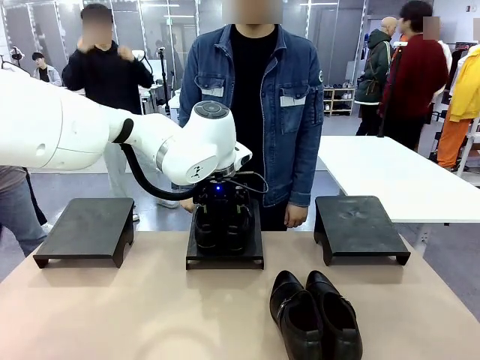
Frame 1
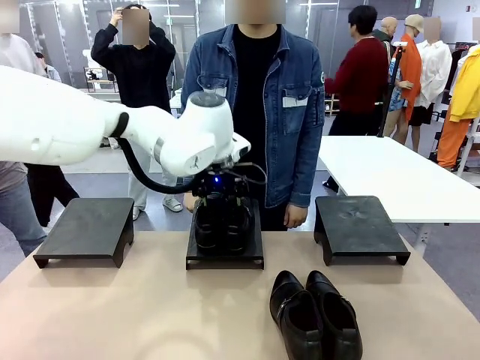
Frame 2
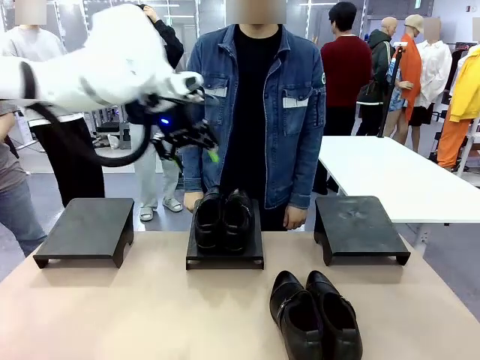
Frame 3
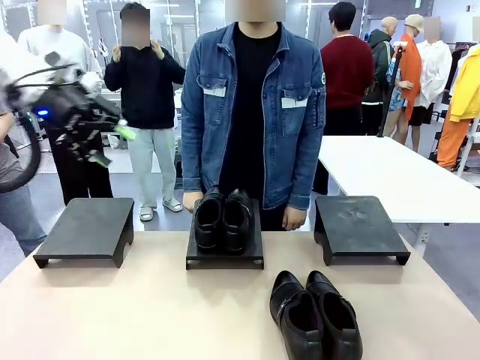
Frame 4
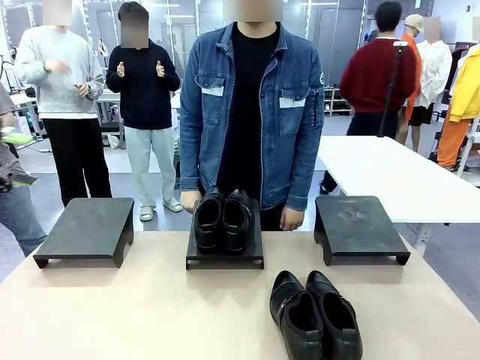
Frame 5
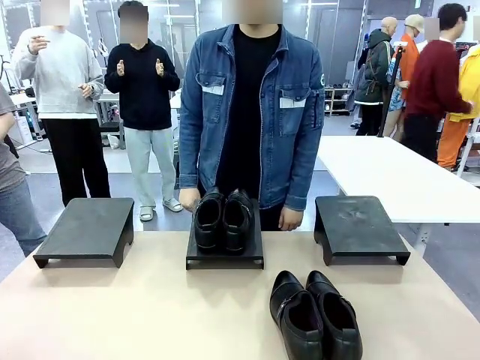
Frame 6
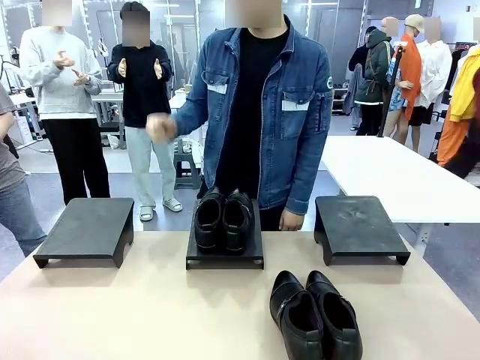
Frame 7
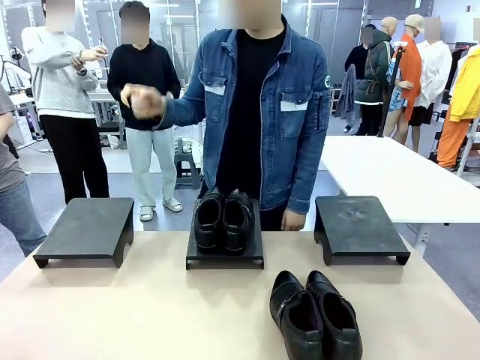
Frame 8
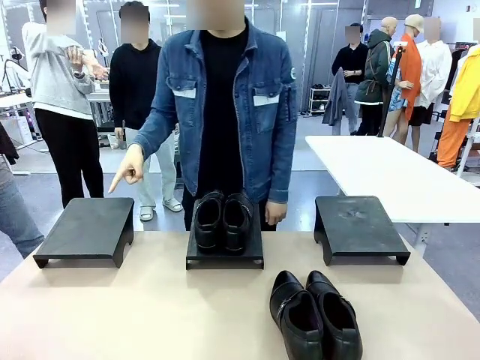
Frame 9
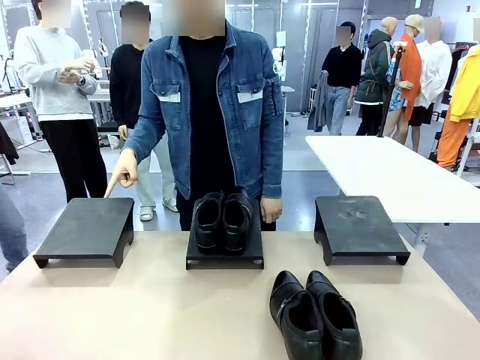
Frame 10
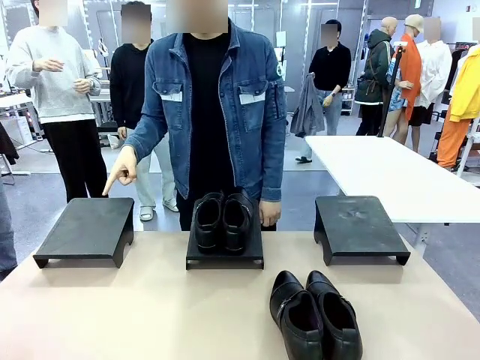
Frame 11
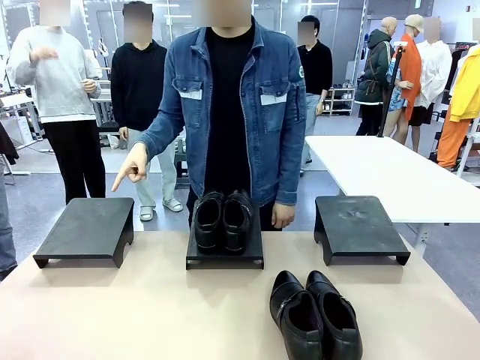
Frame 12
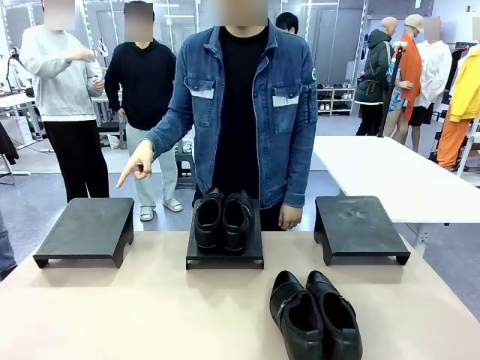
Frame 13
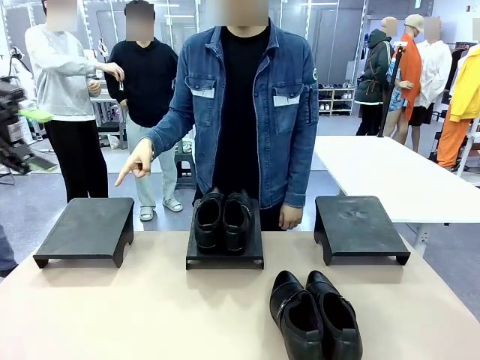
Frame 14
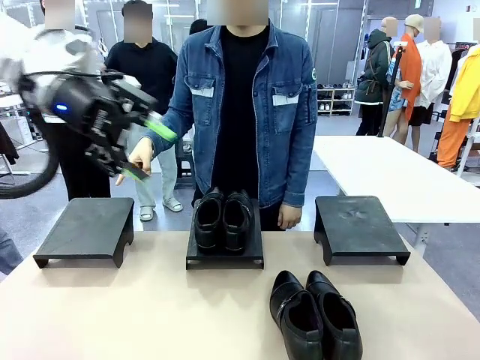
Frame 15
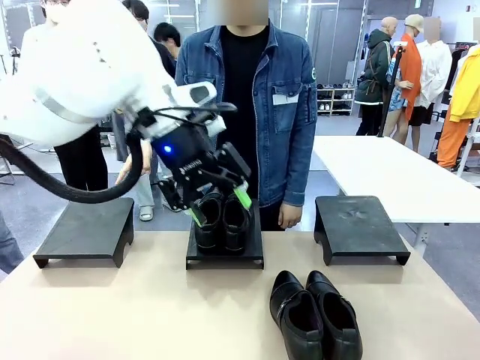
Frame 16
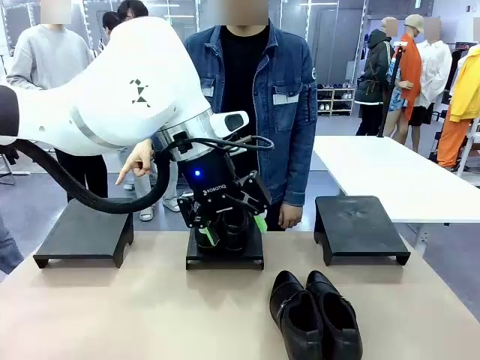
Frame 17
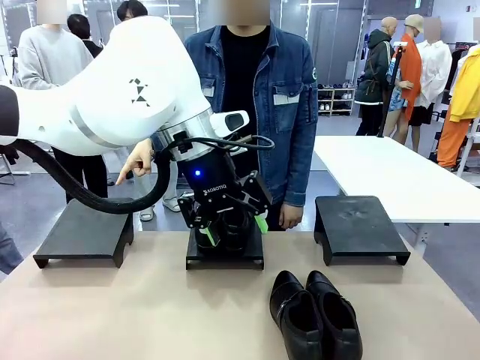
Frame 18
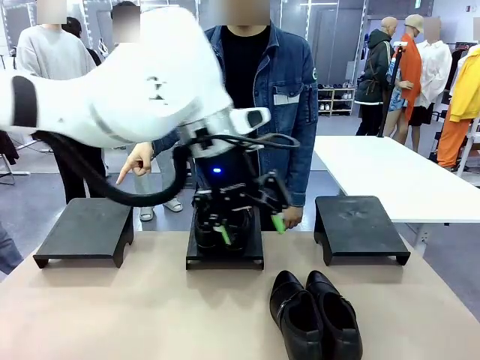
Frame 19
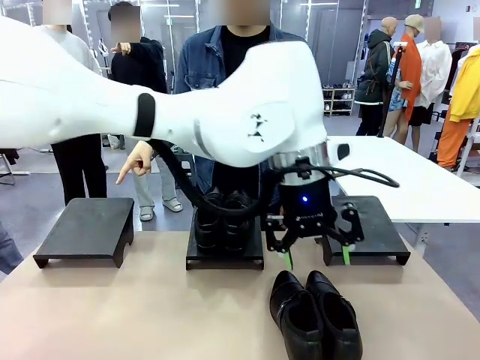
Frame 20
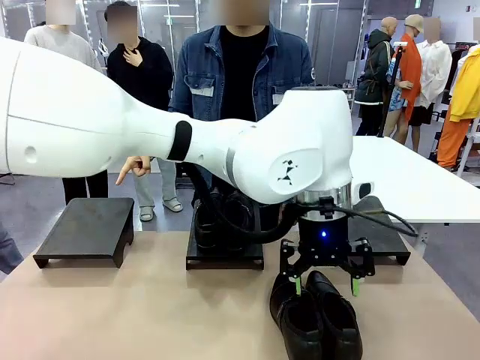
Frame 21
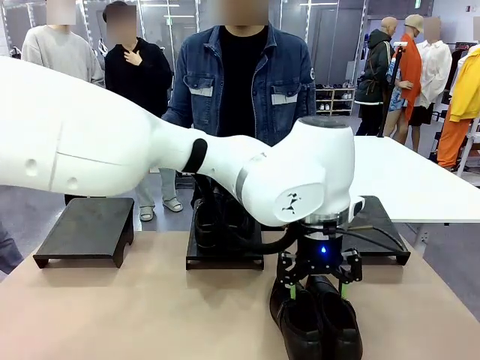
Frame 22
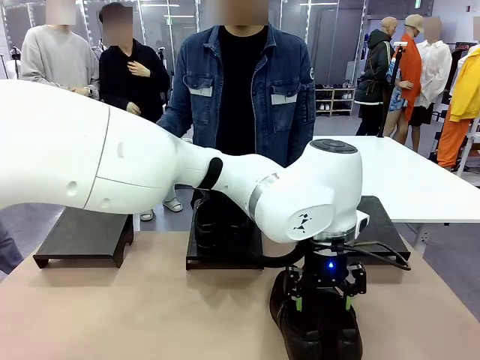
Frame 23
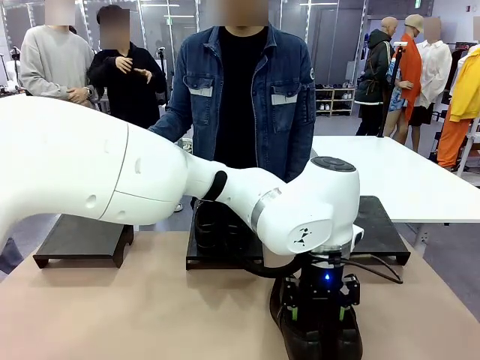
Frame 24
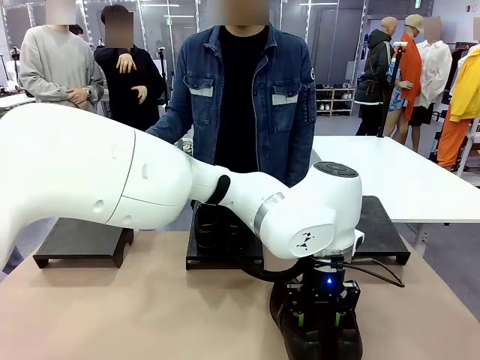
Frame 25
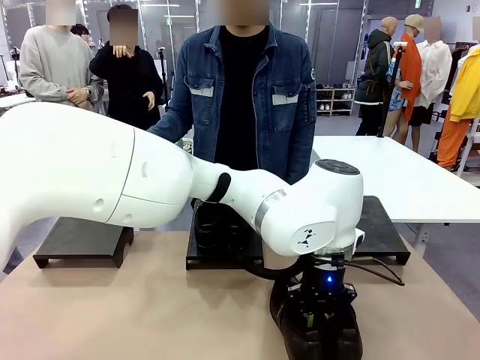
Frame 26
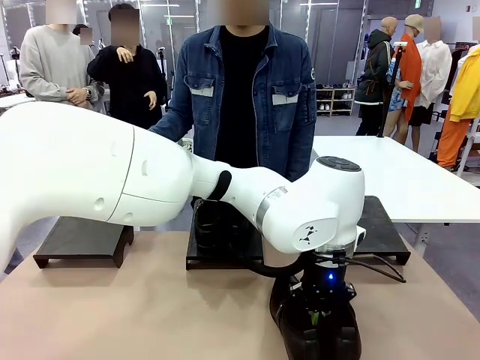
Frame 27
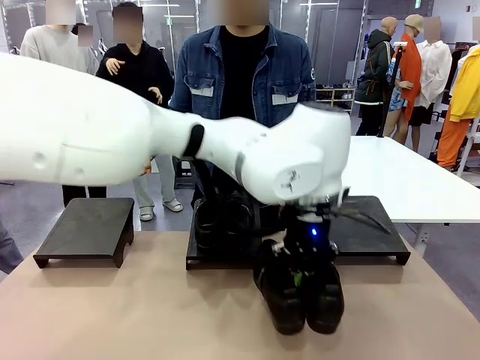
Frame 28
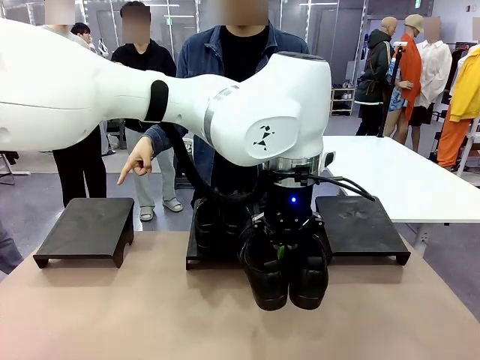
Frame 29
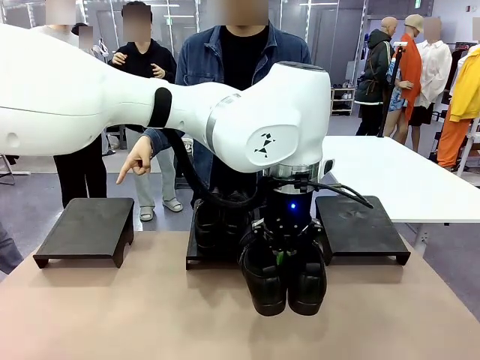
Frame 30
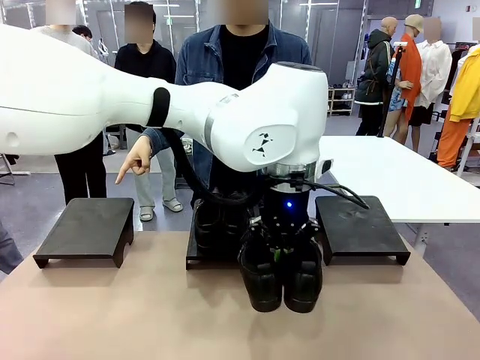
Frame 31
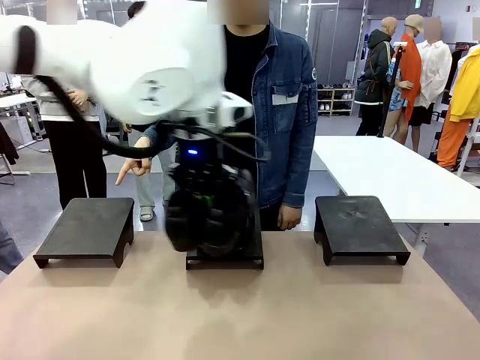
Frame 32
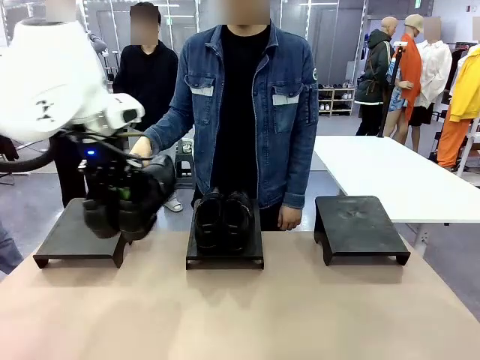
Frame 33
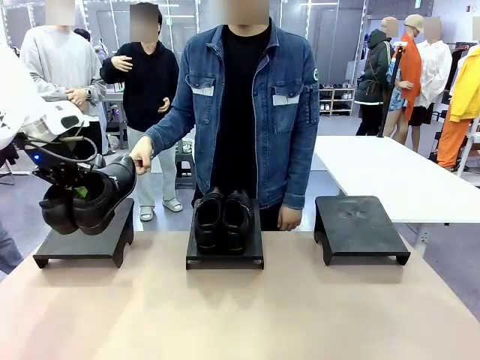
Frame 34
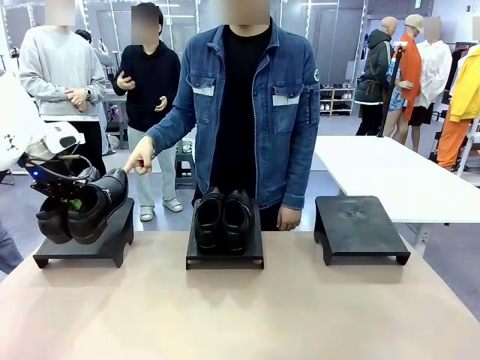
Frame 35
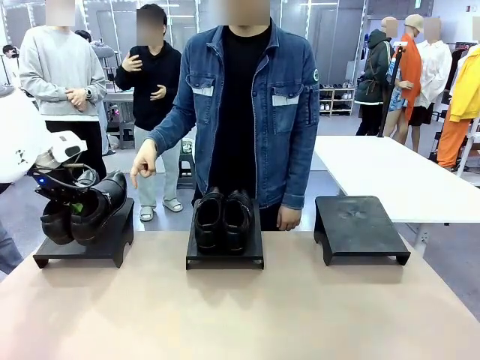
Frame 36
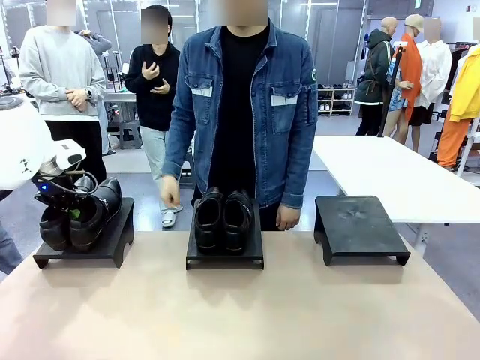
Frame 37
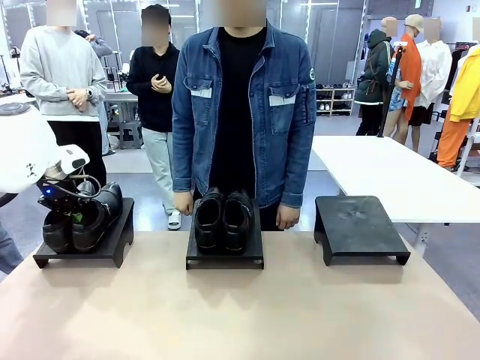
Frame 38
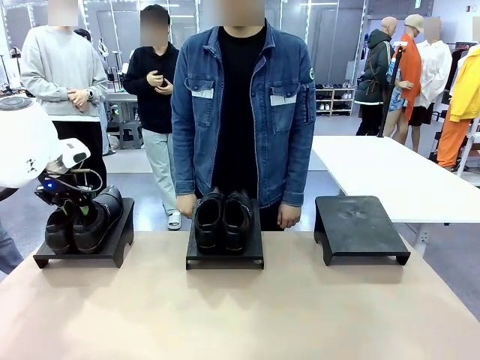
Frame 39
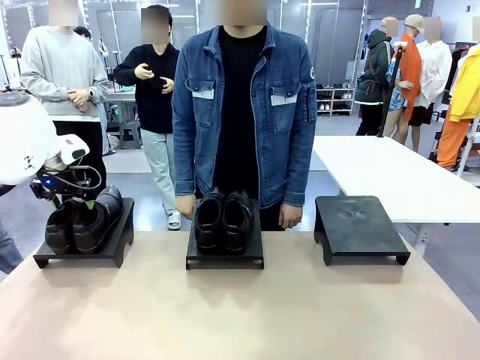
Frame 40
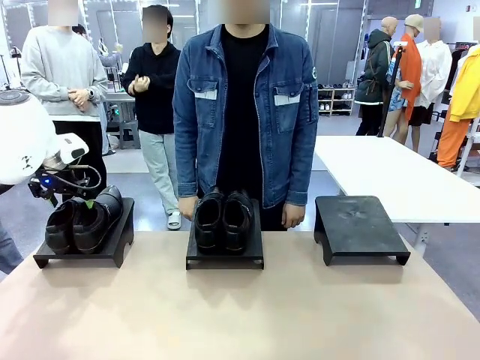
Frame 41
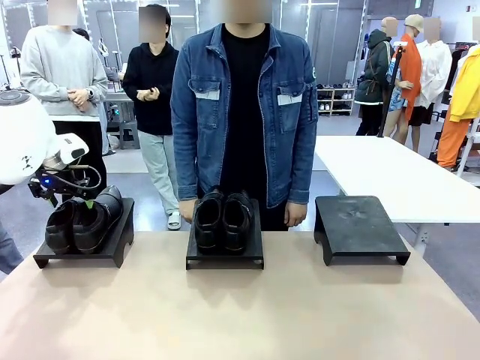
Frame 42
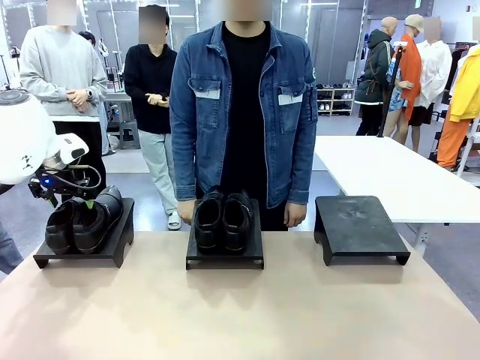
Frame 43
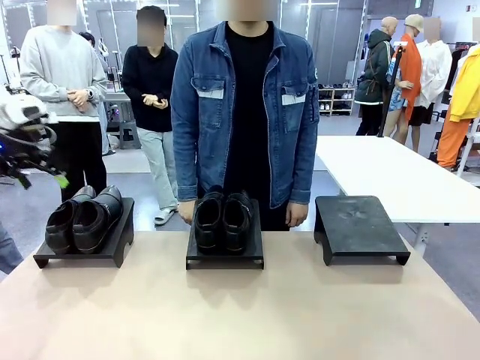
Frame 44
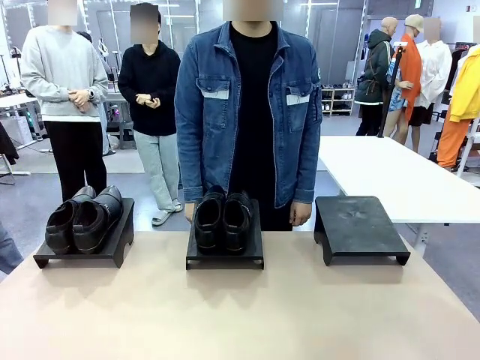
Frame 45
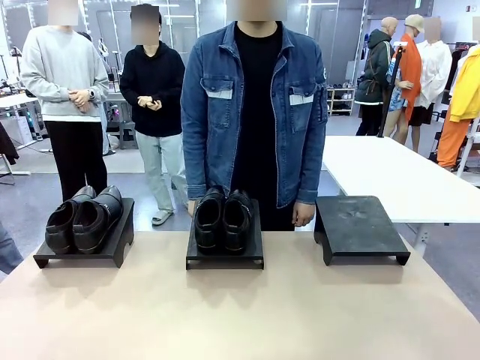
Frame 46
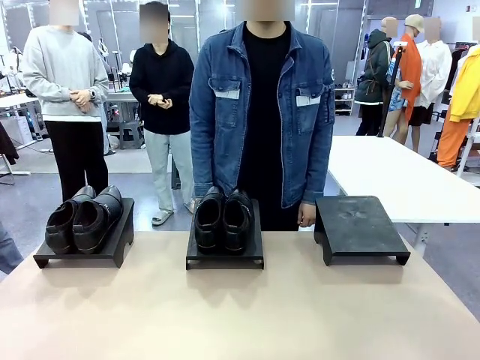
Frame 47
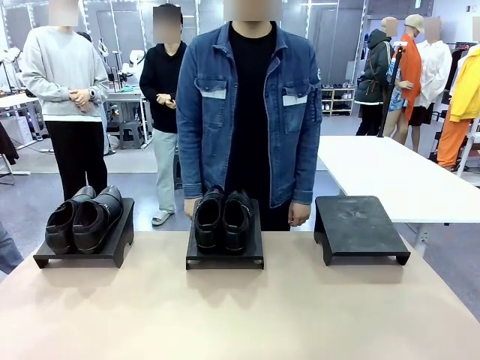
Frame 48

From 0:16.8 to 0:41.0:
Task: Place the shoes on the stand as instructed by the person.
Robot: Pick up another pair of Shoes and place it on the Shoes Stand indicated by the person.
Person: Point to one Shoes Stand.

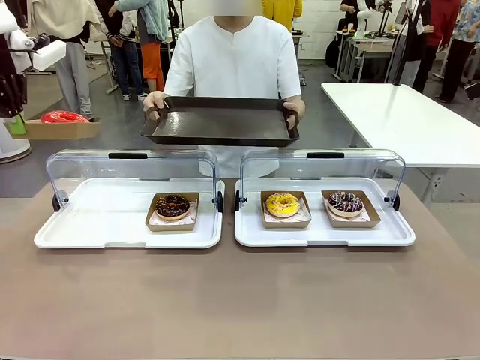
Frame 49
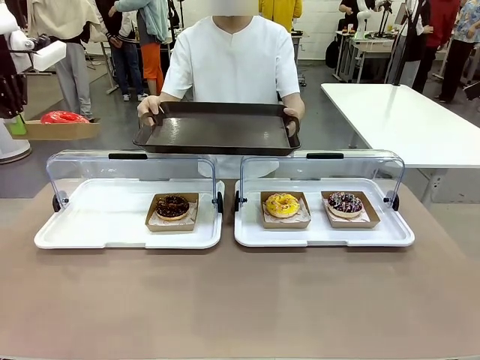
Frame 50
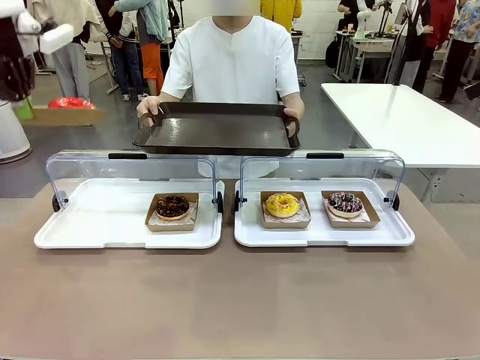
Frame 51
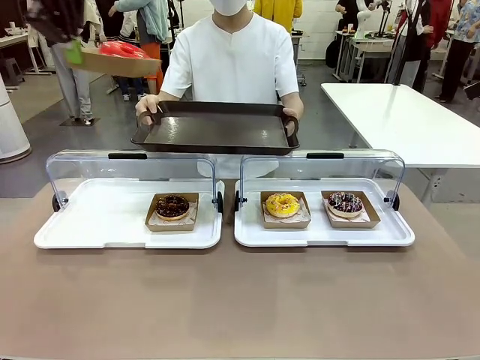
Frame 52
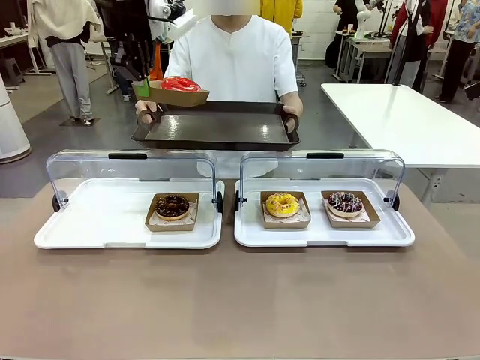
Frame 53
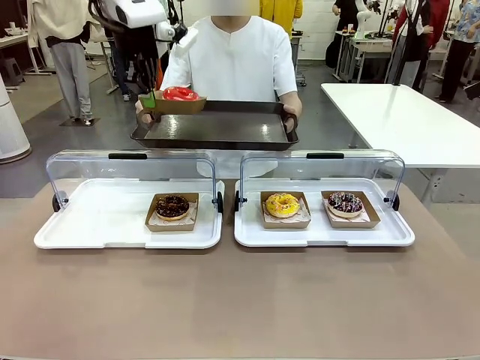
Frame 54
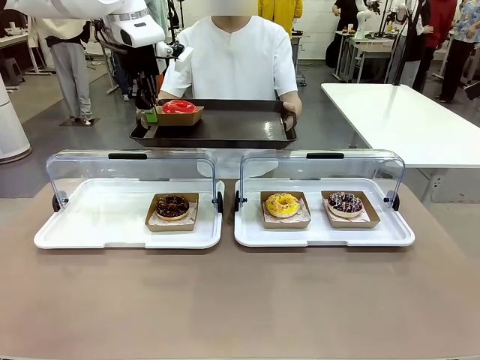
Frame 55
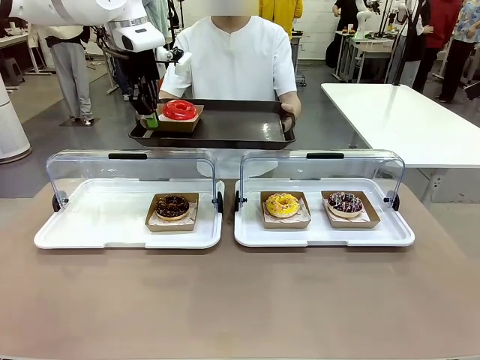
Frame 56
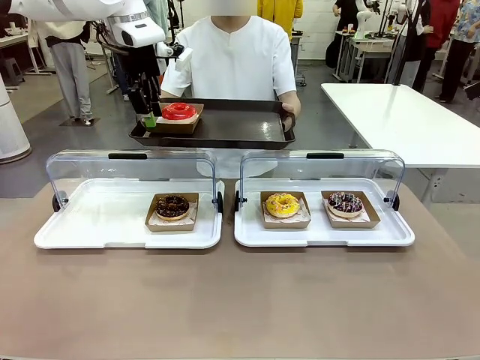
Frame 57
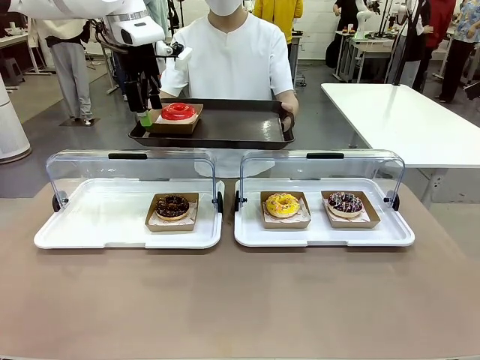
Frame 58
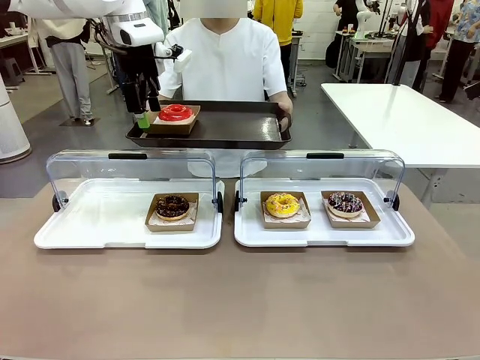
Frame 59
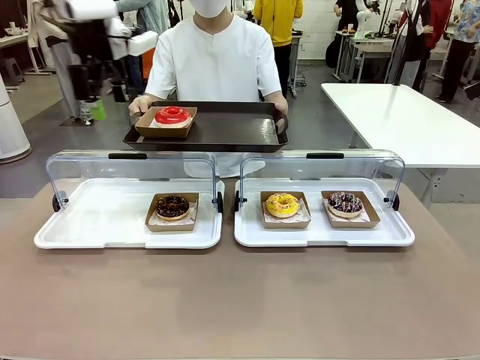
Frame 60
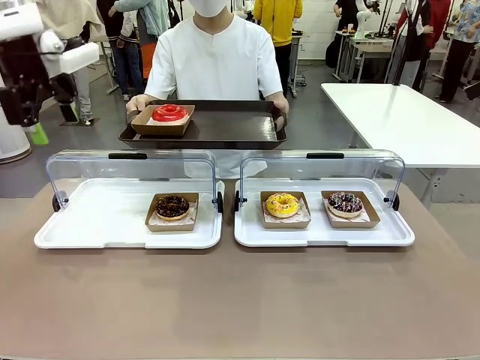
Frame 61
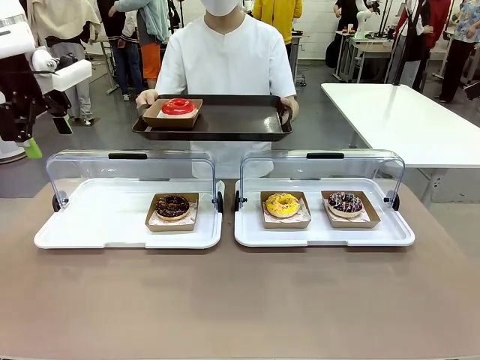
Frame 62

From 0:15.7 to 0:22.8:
Task: Provide the desired donut to the person.
Robot: Place the picked Paper togo box onto the Handle tray extended by the person.
